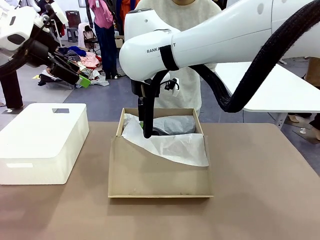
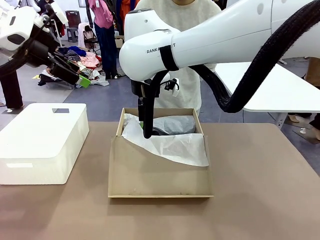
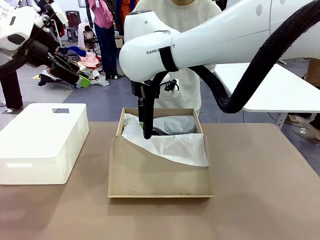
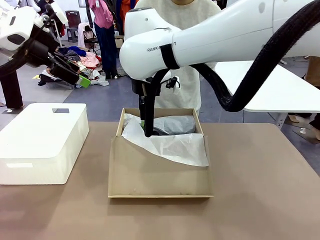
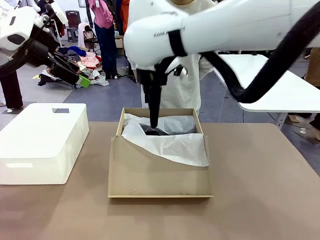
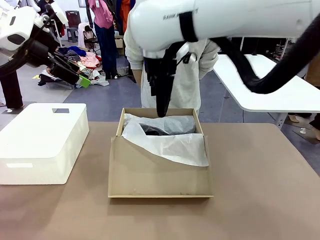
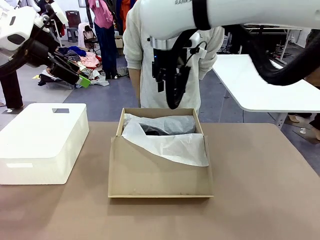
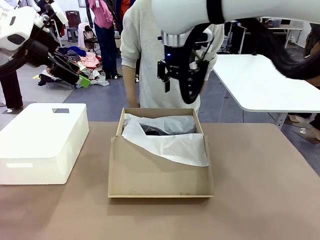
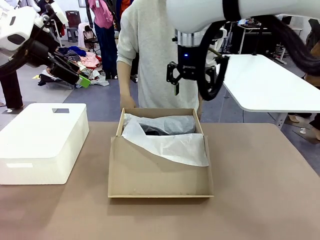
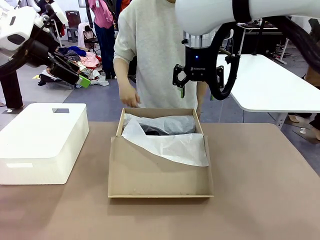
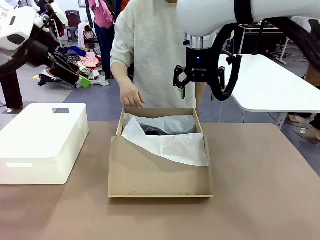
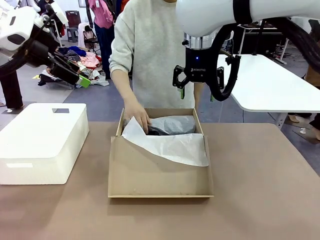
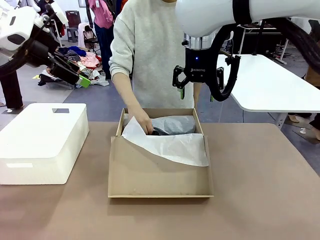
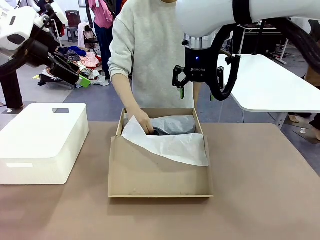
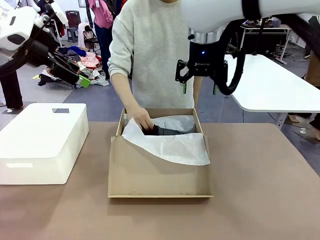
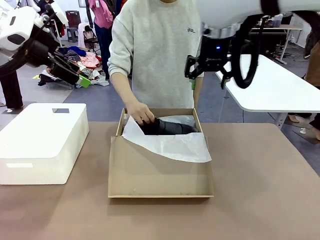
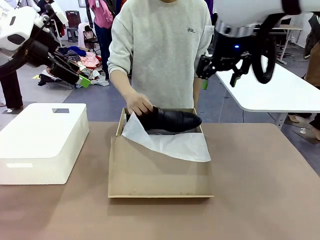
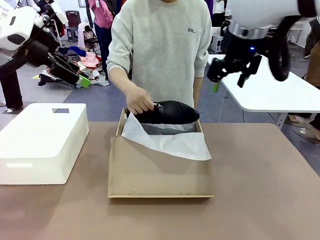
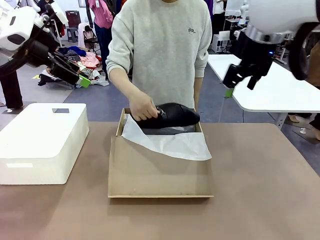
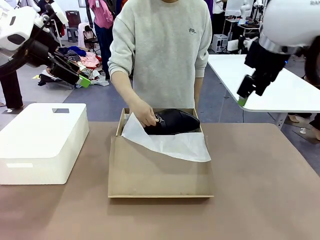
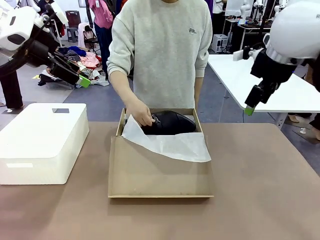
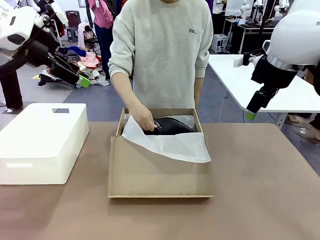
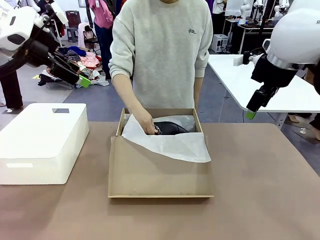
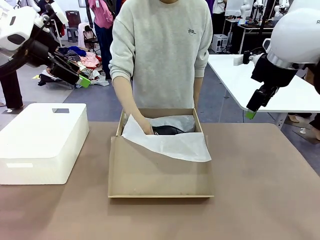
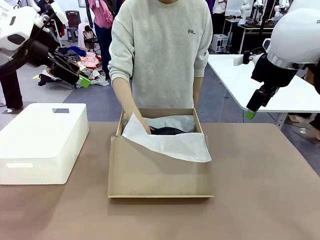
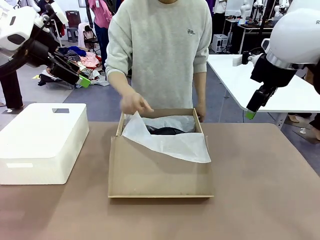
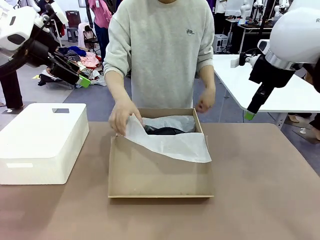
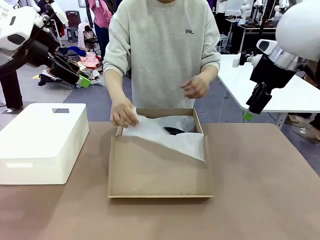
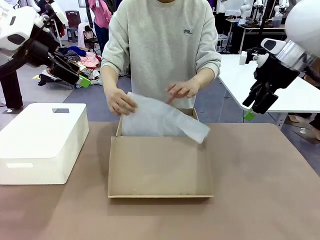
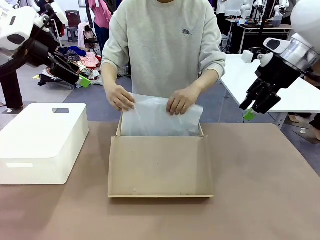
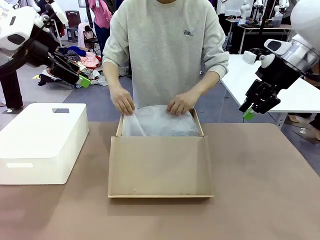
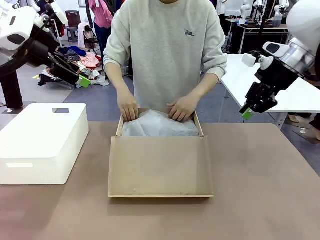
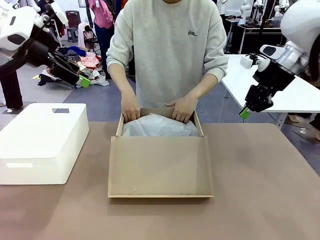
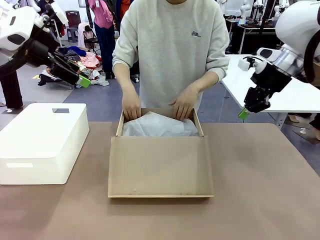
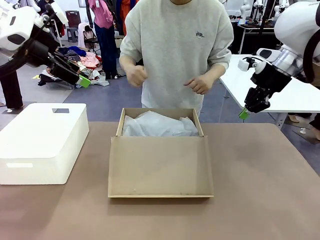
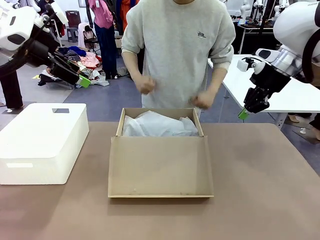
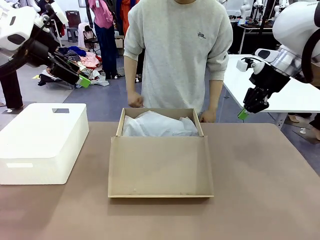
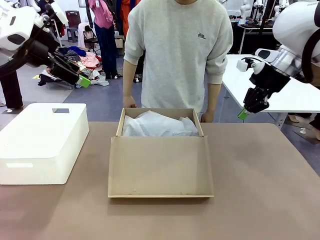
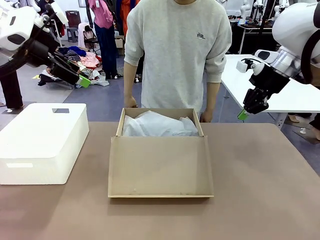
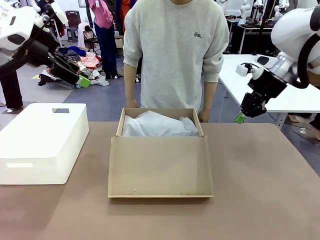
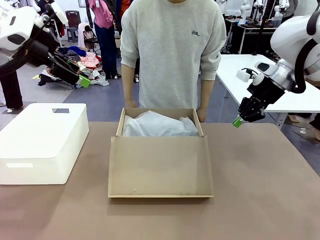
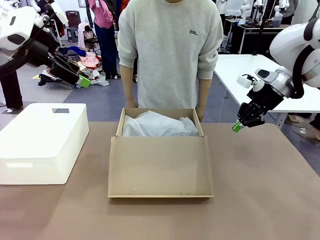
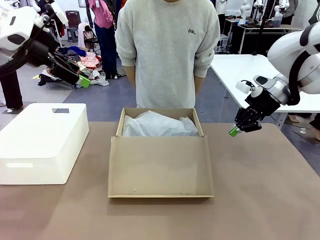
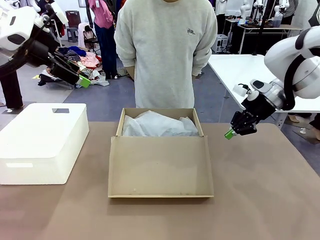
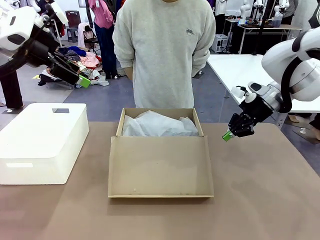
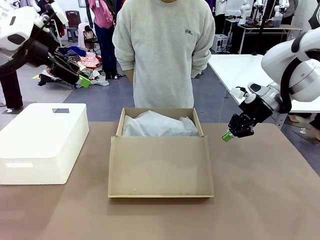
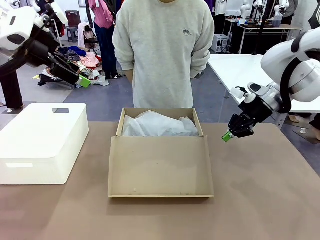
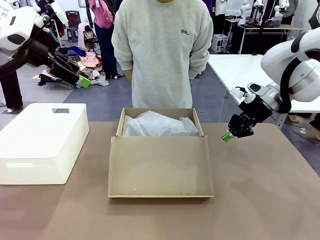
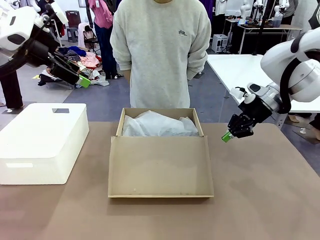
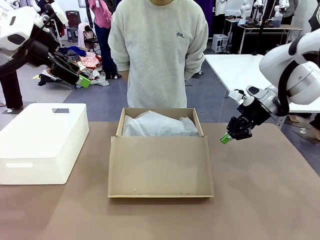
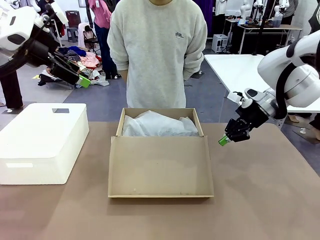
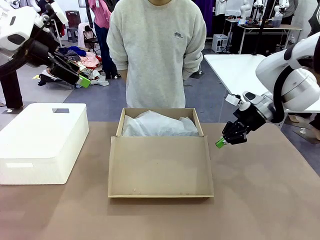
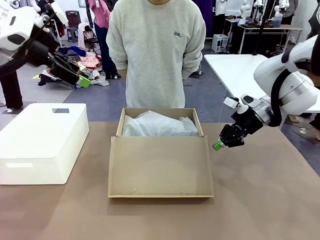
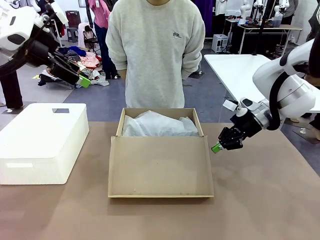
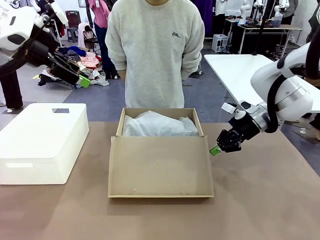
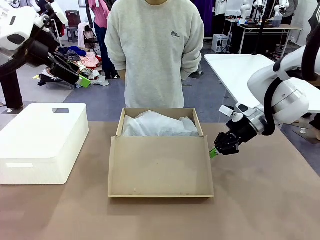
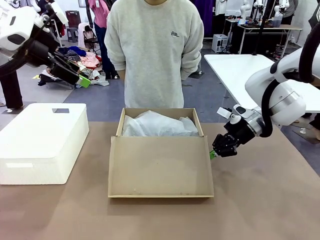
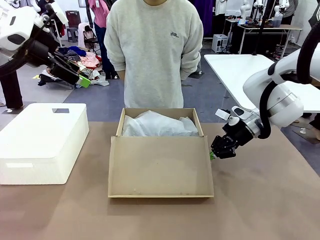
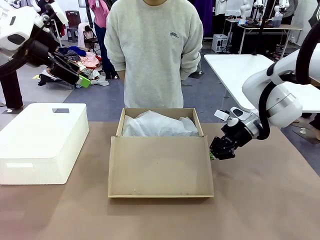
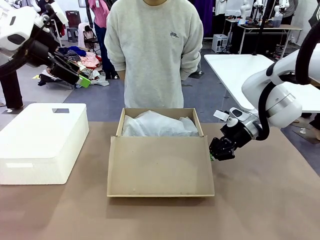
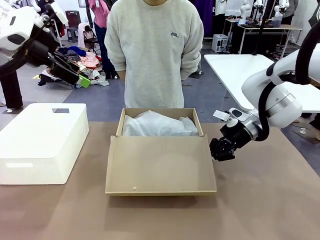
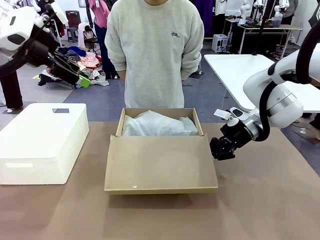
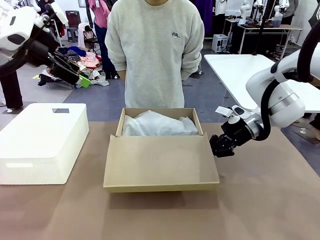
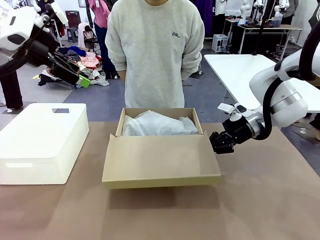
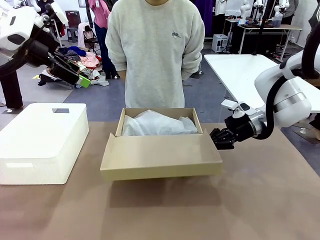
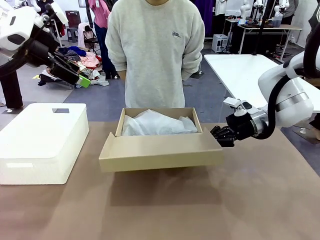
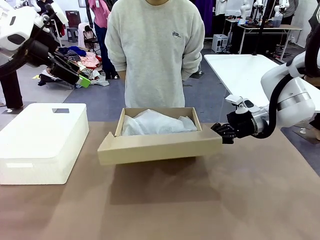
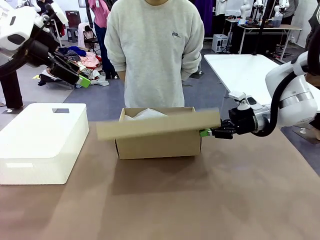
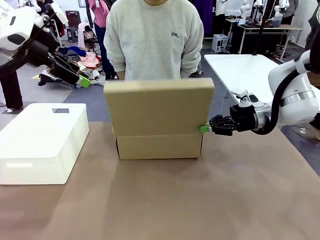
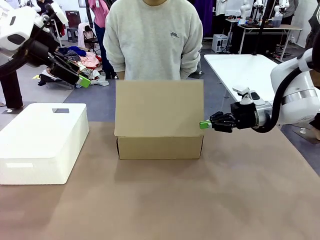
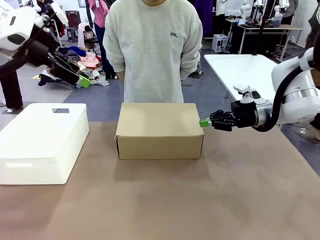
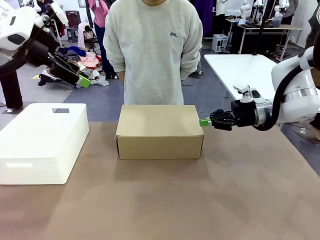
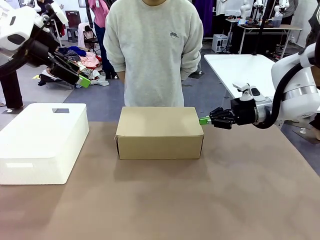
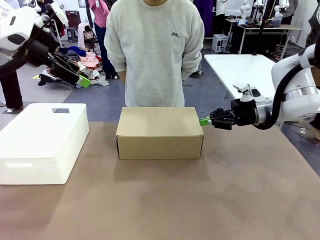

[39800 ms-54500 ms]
Task: Pack the shoes into the box.
Robot: Close the Shoes Box.
